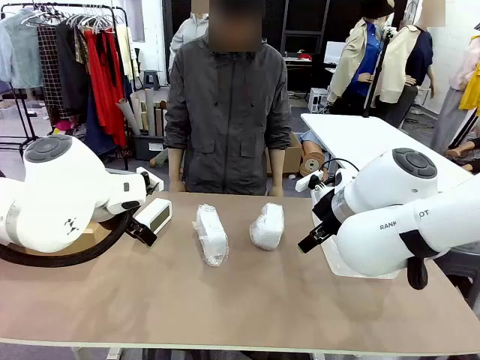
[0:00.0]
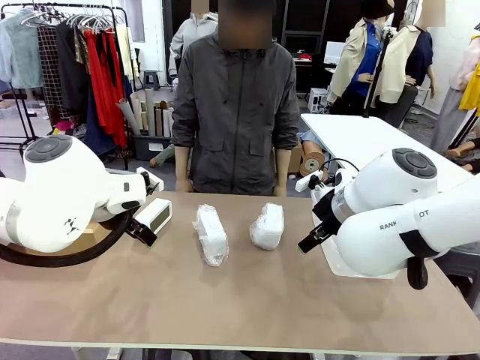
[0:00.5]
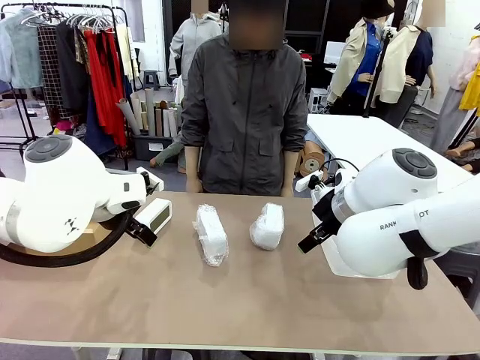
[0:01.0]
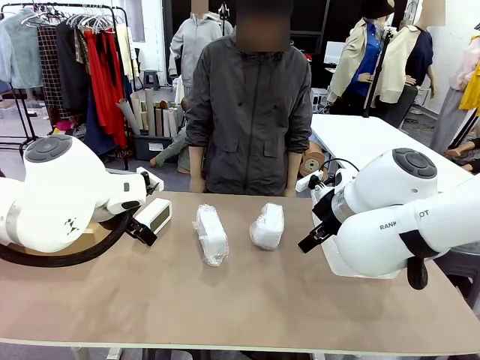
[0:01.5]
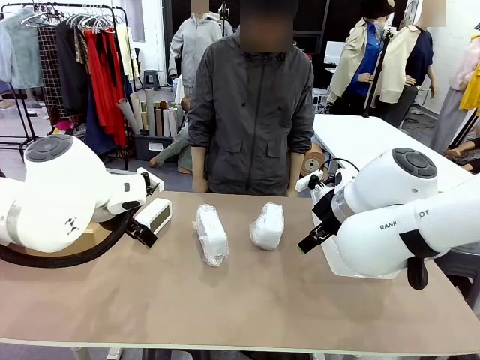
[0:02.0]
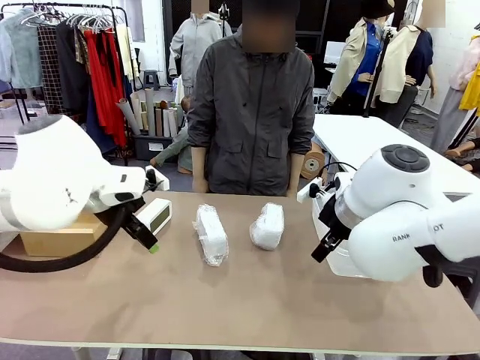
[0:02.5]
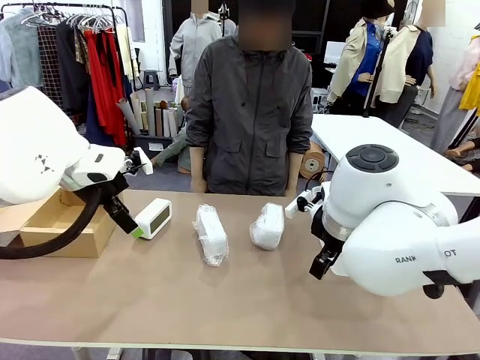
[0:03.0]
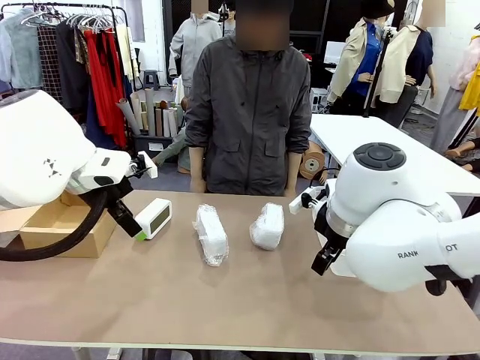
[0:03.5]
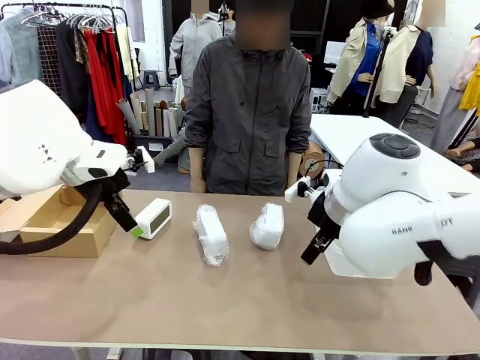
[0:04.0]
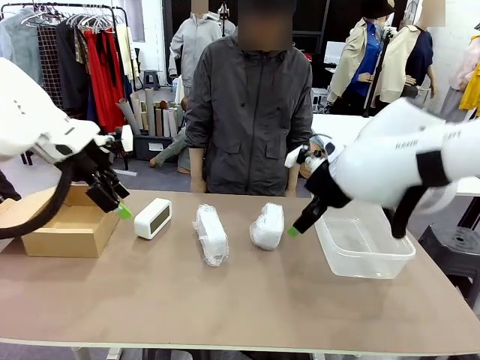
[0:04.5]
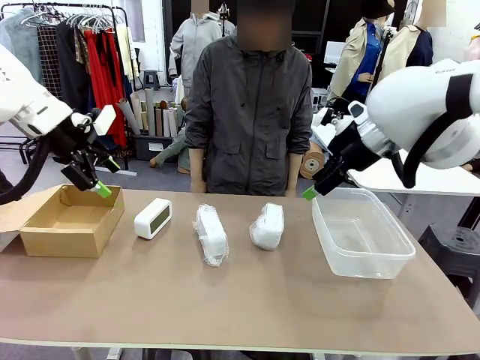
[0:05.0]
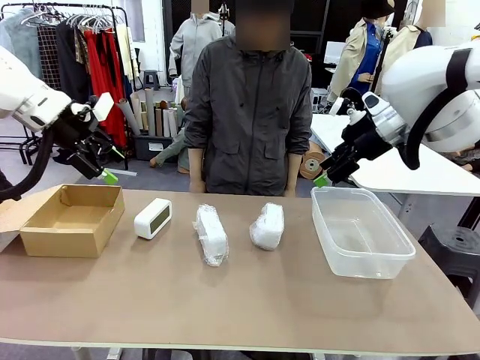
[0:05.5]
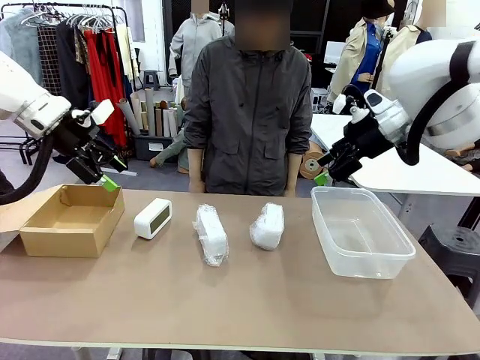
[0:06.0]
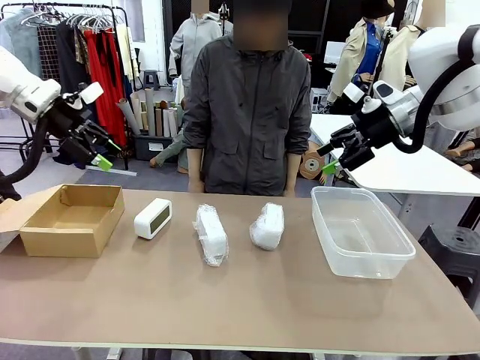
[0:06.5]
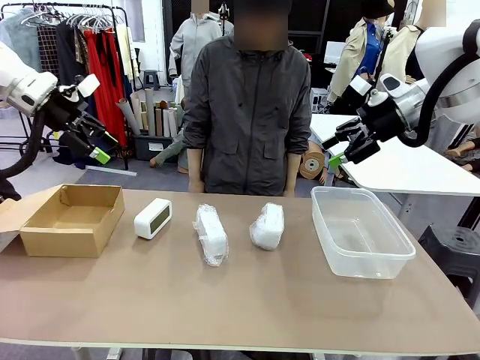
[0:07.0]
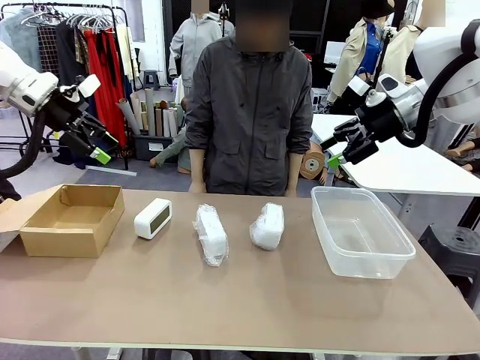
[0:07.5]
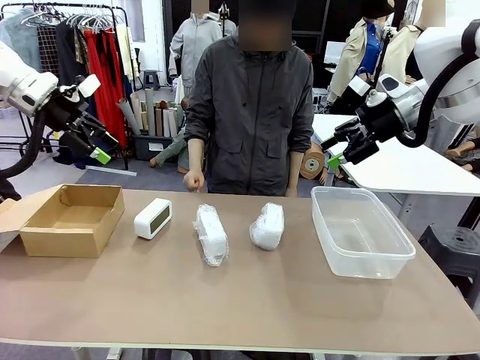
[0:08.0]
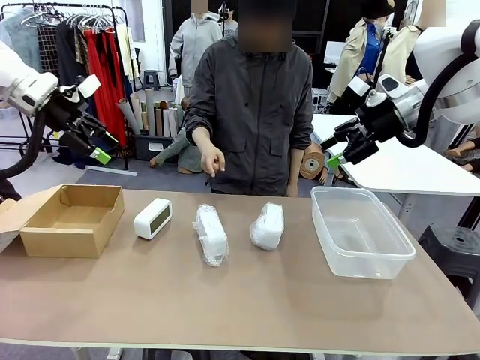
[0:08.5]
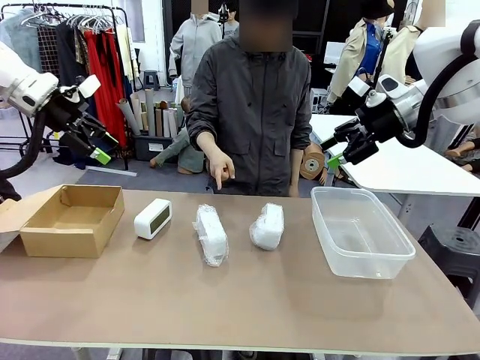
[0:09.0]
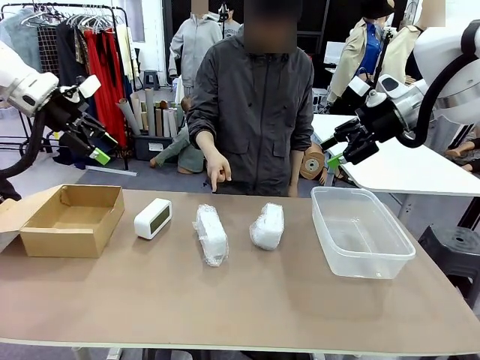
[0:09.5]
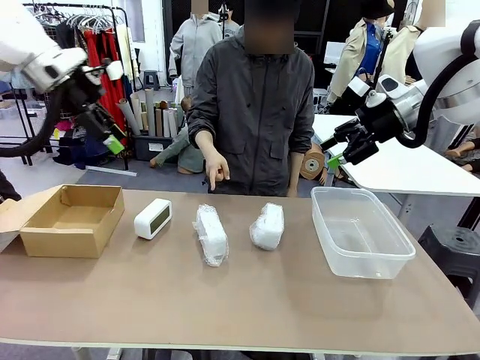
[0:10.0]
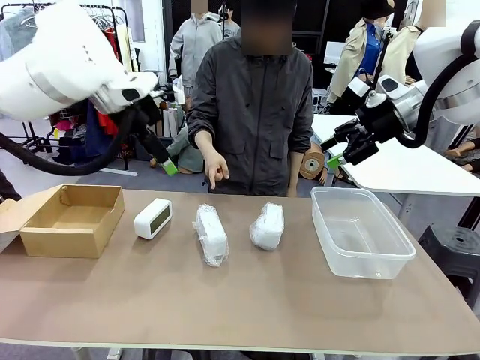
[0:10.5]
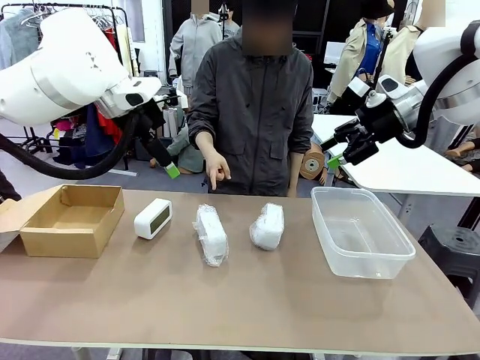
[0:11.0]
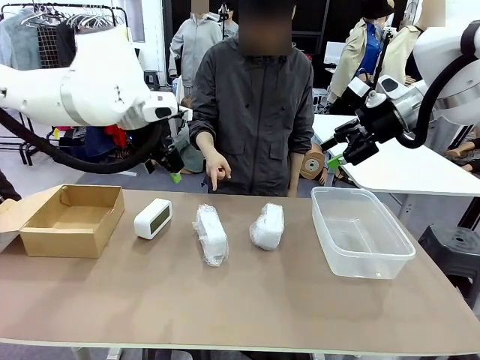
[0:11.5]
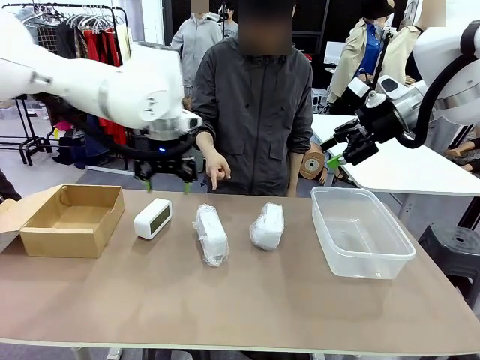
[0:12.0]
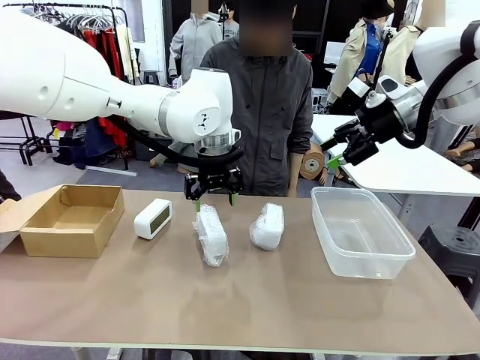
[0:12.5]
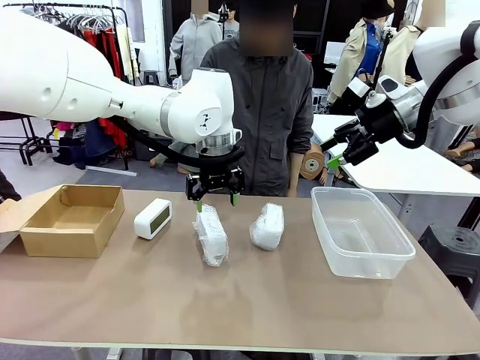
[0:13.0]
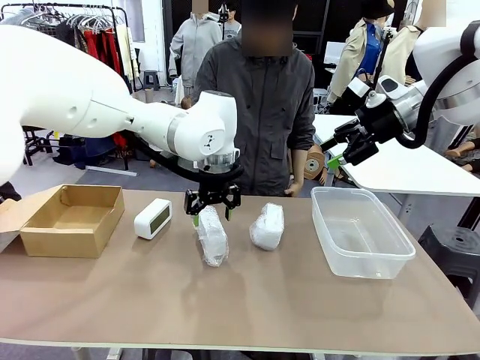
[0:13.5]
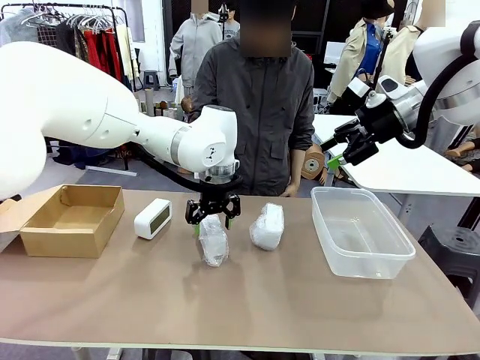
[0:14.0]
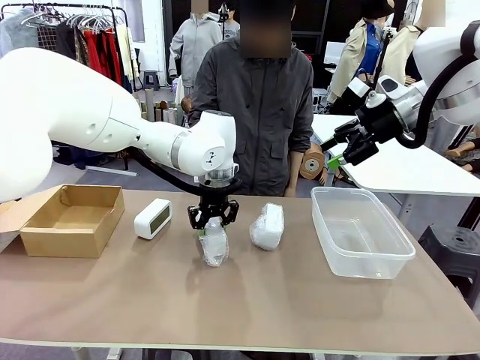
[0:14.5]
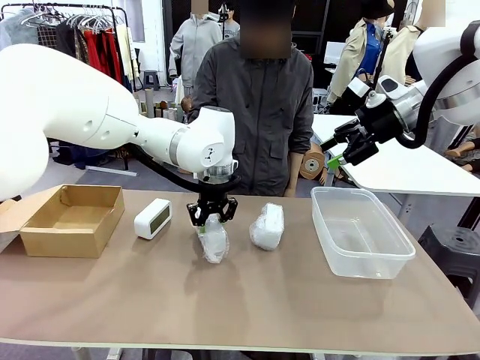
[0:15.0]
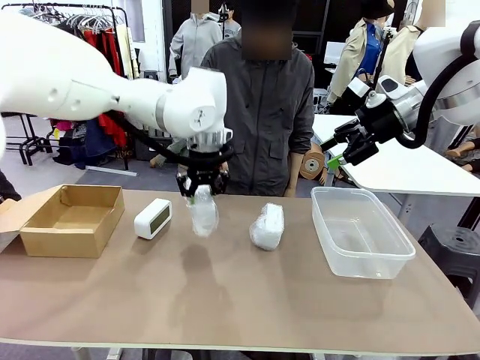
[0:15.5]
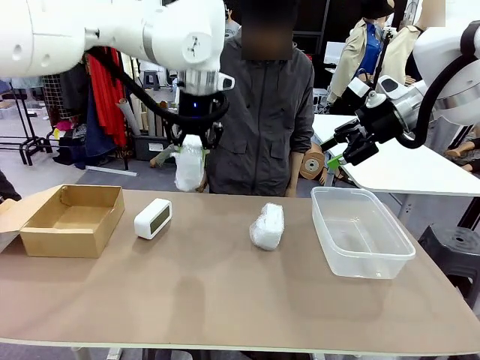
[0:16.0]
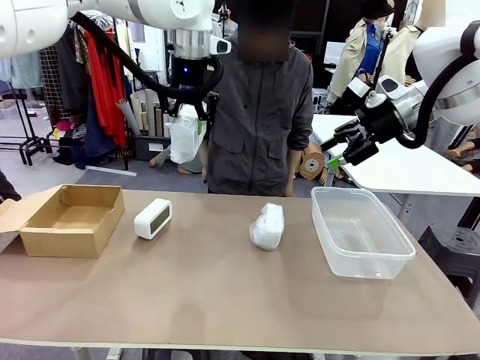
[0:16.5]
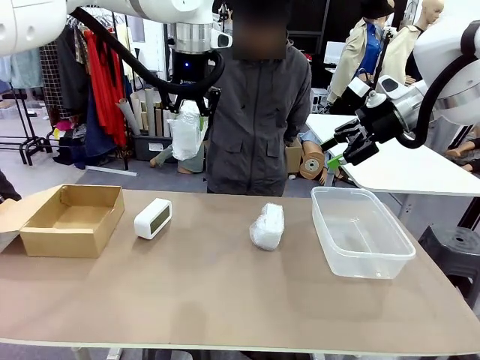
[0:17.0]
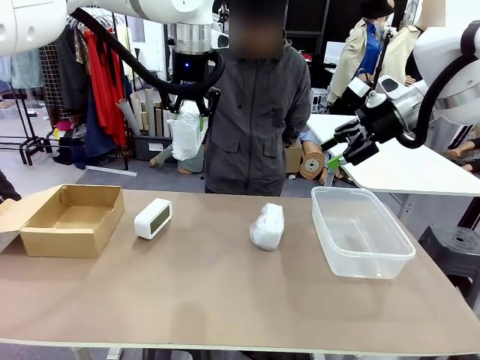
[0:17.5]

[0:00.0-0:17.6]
Task: Separate and place wrapped and unwrapped clocks.
Robot: Pick up the Digital clock indicated by the person.

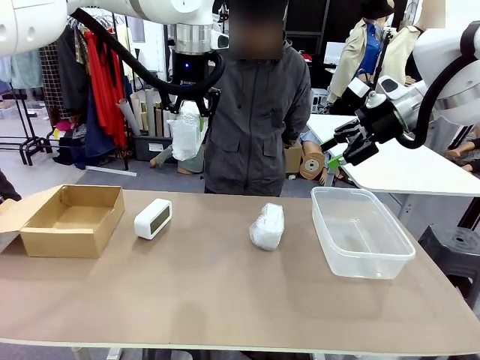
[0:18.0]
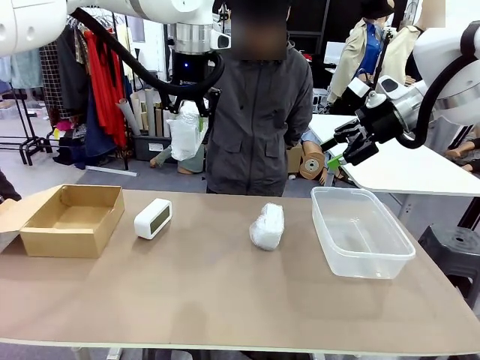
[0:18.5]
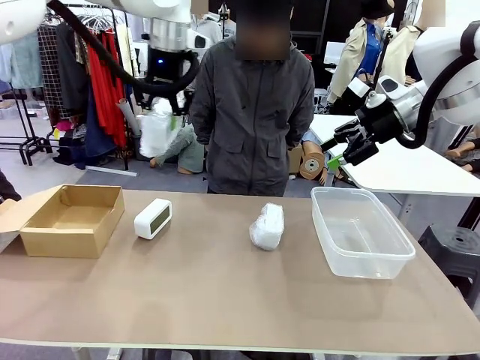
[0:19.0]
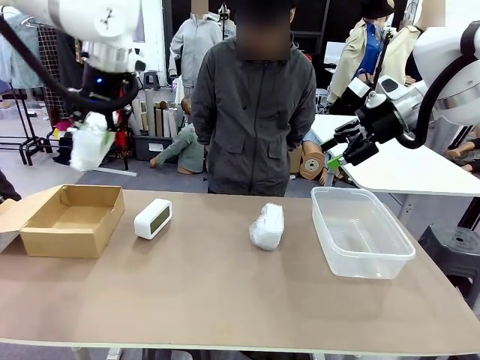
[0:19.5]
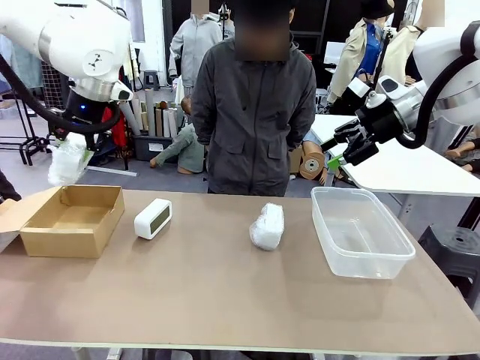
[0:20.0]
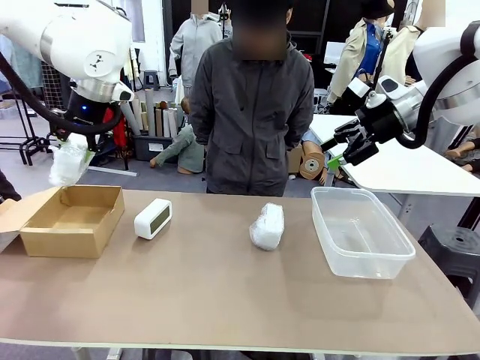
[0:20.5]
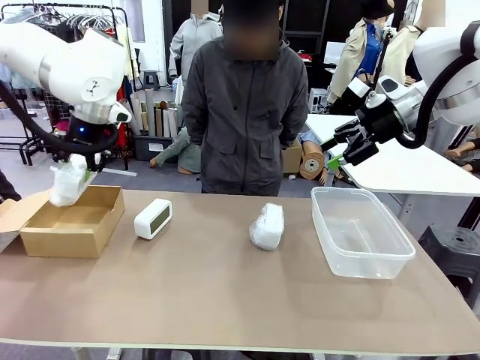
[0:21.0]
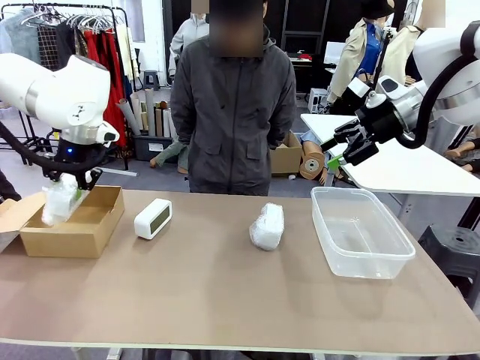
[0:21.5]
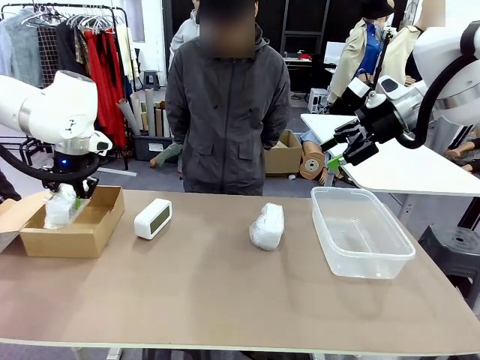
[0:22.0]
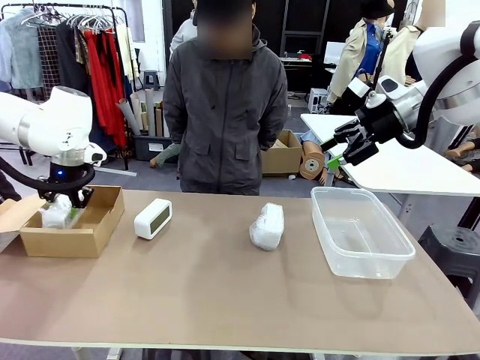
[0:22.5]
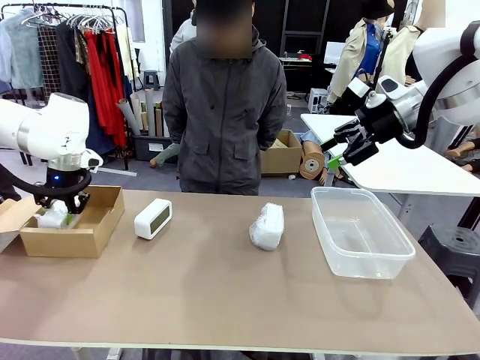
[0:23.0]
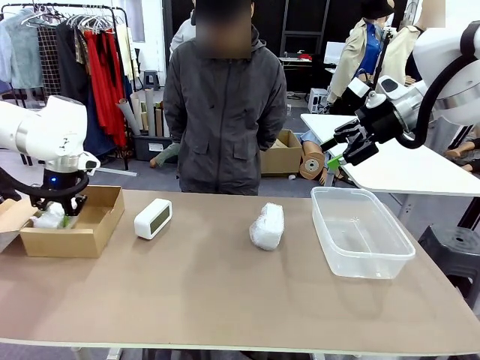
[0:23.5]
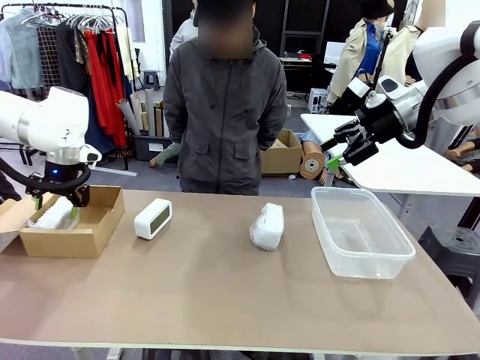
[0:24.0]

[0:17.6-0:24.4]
Robot: If the picked Digital clock is wrapped, place it in the Package Box ; if not, place it in the Organizing box.
